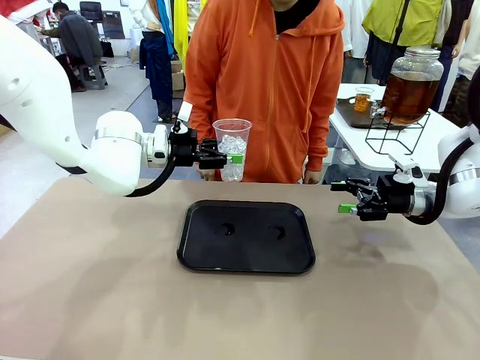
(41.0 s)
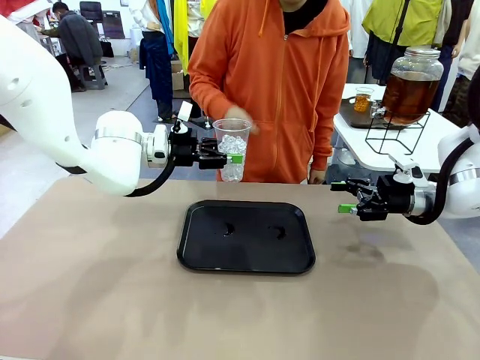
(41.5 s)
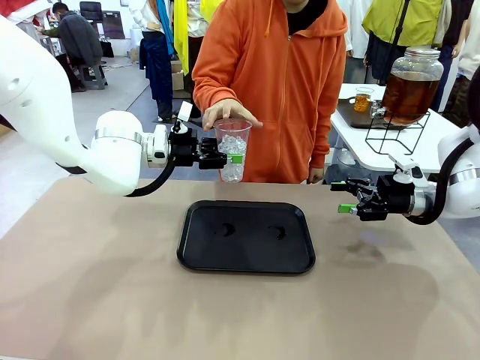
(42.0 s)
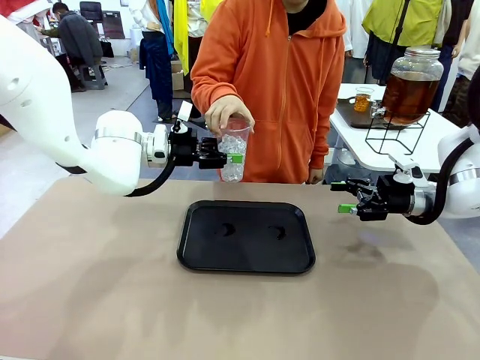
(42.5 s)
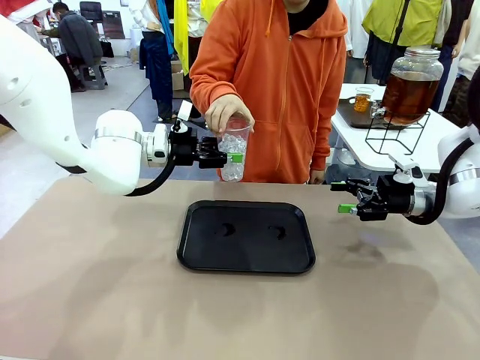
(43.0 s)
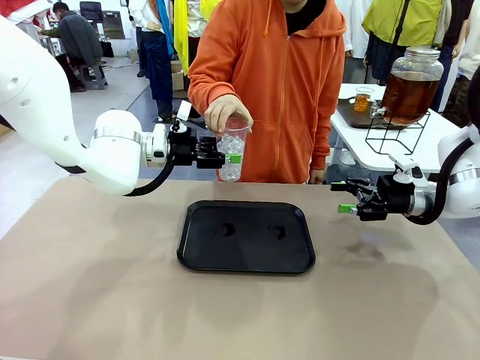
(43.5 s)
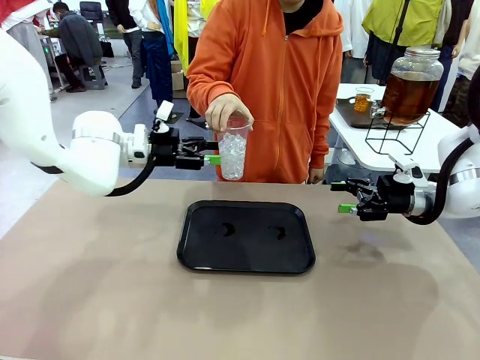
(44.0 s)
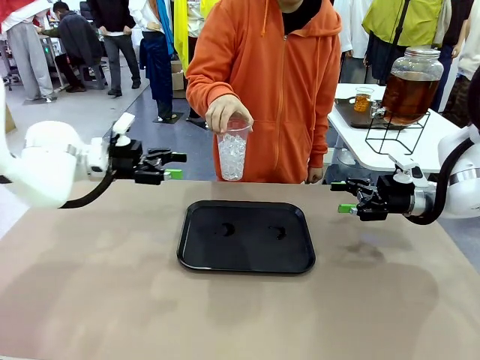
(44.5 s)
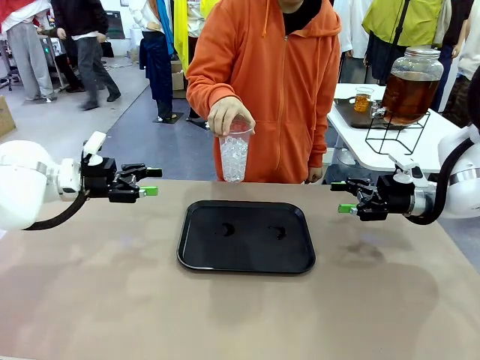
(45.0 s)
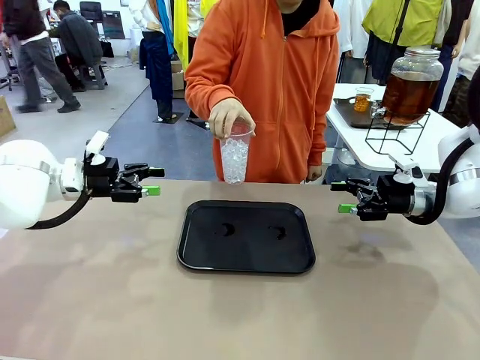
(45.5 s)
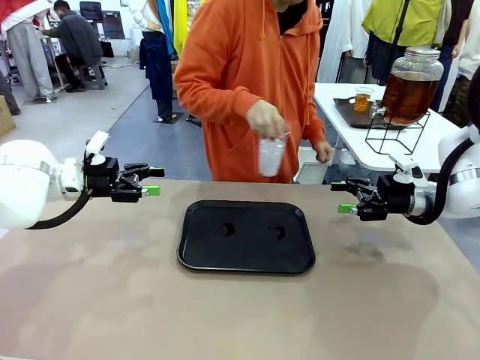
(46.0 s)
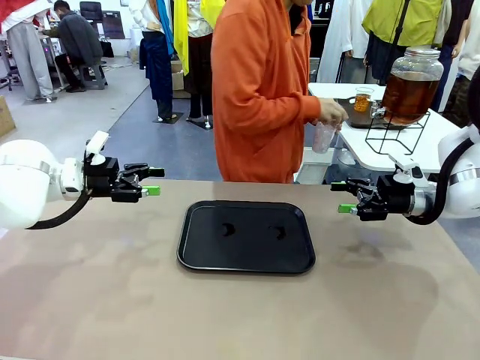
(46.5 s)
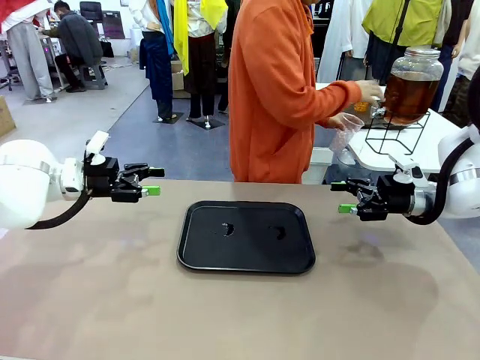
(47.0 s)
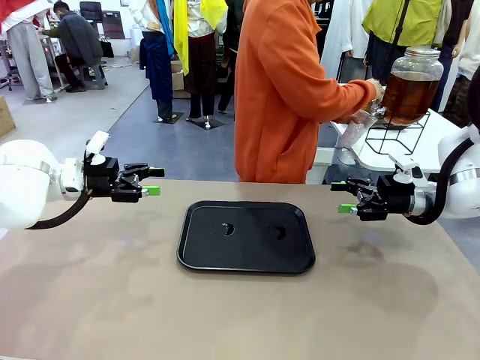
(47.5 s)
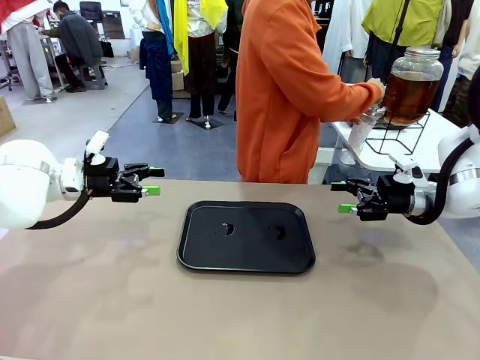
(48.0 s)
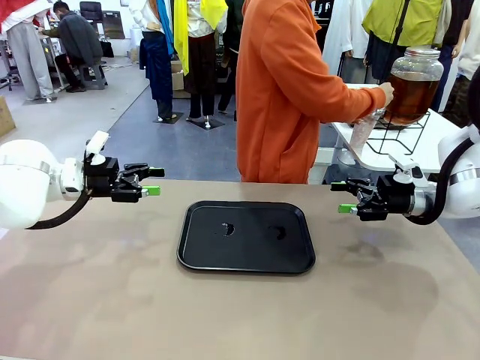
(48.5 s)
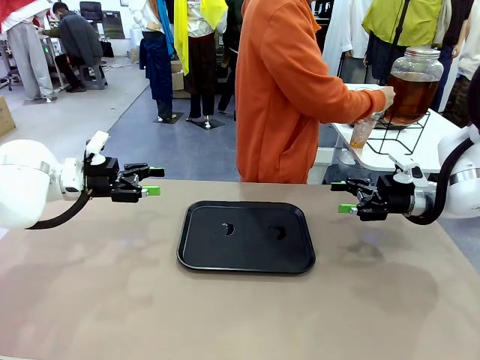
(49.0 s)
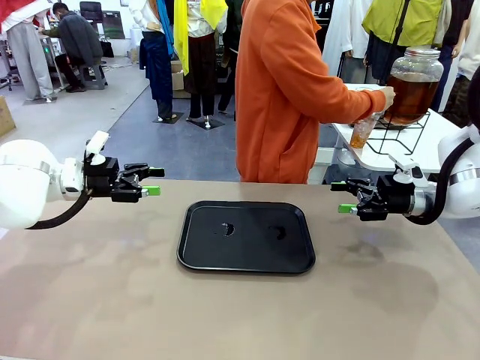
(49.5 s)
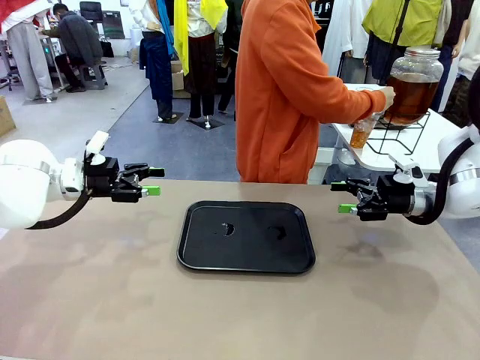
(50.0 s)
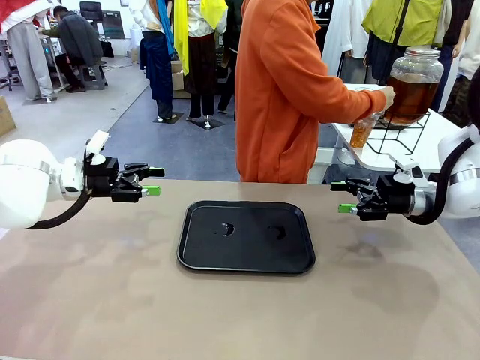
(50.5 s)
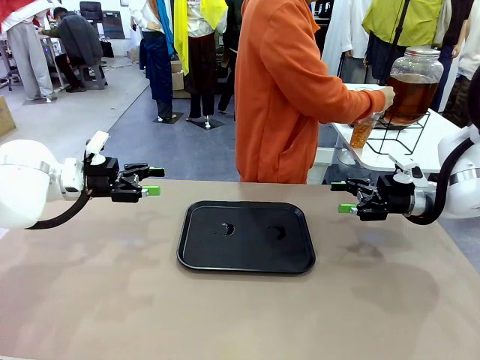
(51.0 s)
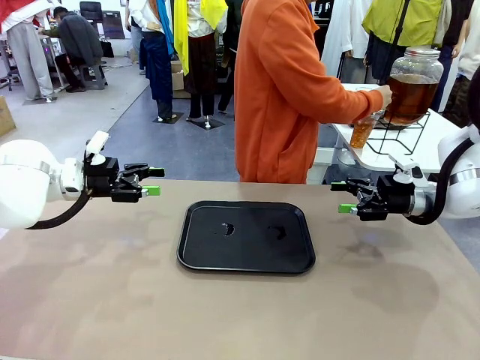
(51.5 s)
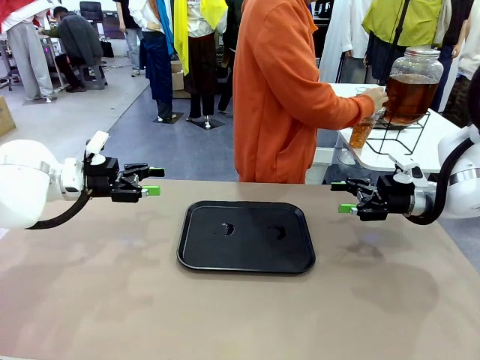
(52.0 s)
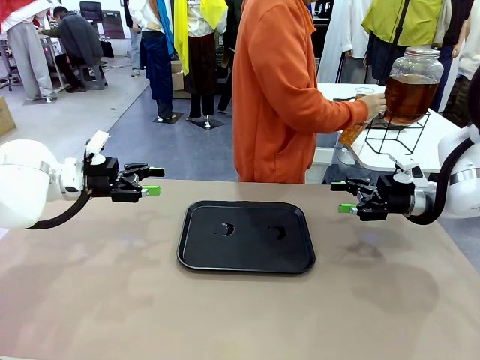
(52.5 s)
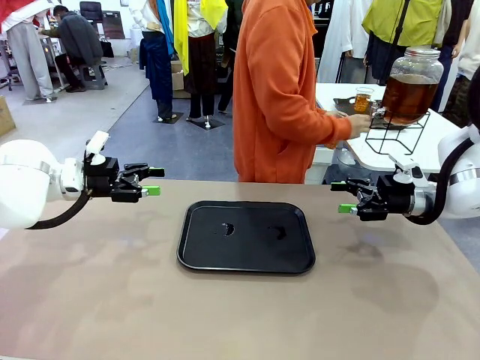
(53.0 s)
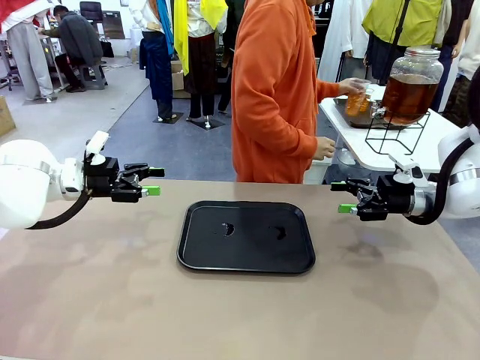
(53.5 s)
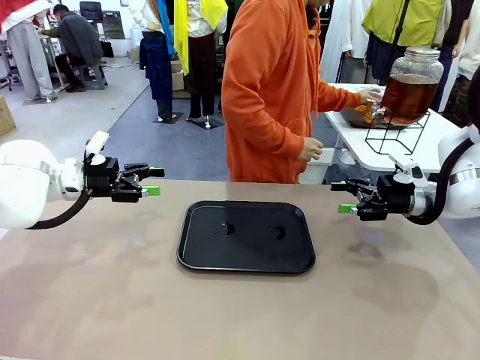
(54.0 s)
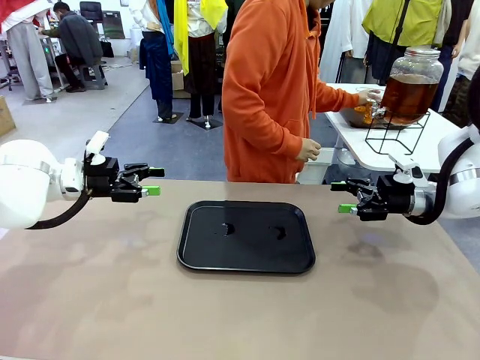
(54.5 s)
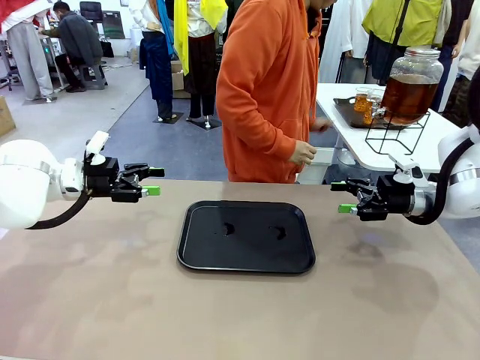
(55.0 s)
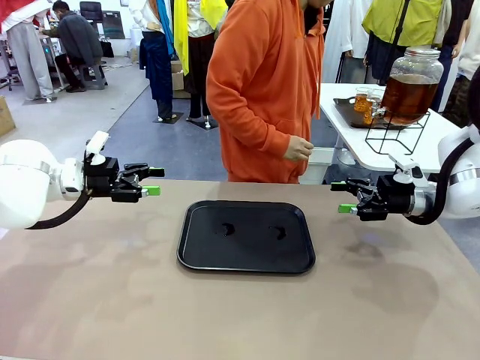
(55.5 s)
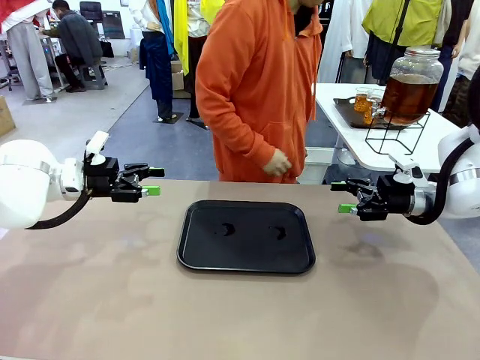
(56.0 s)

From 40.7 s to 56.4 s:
Task: Pour the drink into the iced cup.
Robot: Open the gripper to release the iced cup you were holding.
Person: Move the picked-up cup under the dispenser faucet, pour the drink, and place it on the tray on the human table.
